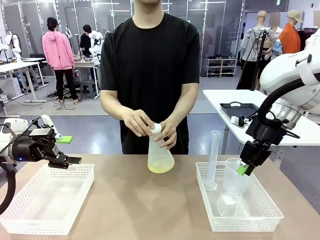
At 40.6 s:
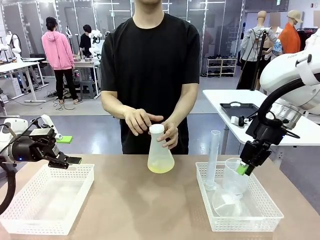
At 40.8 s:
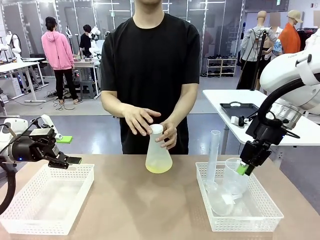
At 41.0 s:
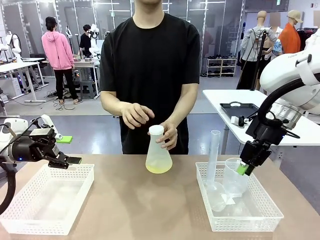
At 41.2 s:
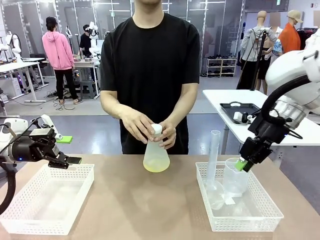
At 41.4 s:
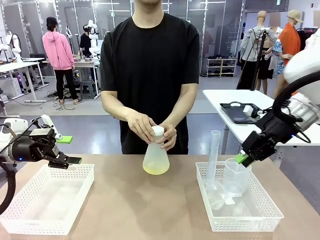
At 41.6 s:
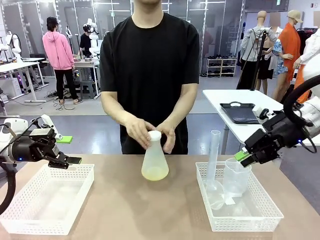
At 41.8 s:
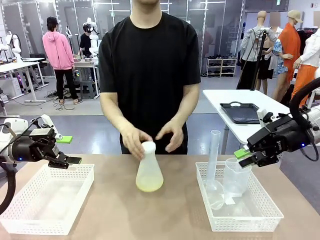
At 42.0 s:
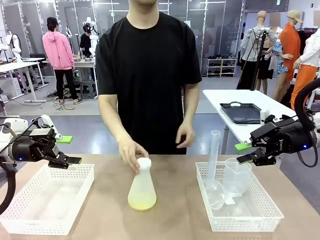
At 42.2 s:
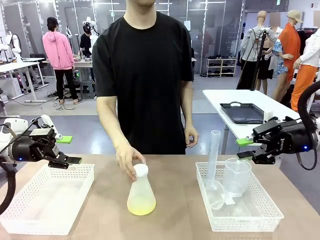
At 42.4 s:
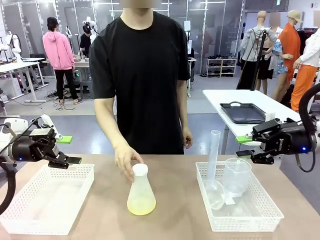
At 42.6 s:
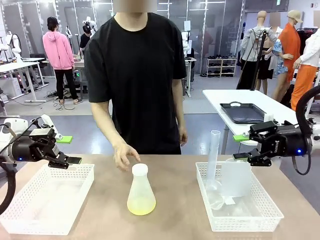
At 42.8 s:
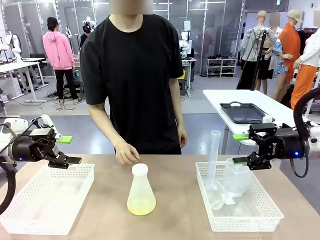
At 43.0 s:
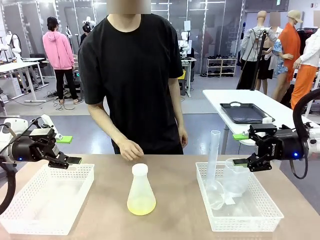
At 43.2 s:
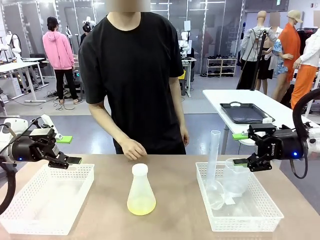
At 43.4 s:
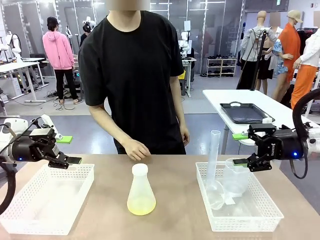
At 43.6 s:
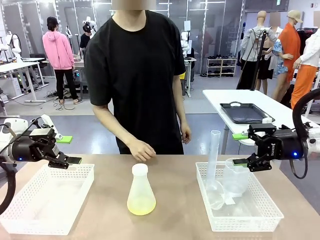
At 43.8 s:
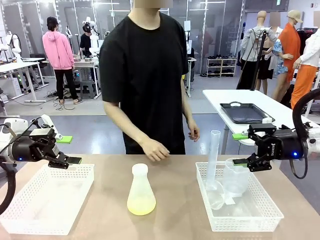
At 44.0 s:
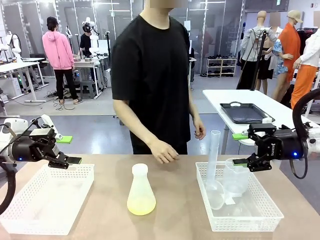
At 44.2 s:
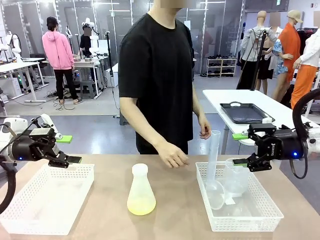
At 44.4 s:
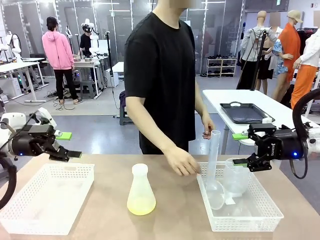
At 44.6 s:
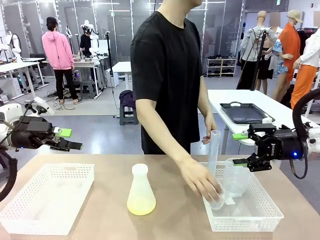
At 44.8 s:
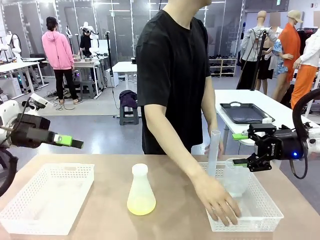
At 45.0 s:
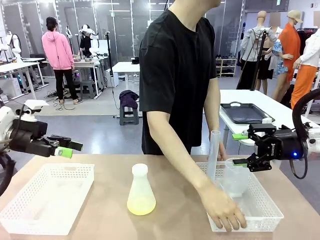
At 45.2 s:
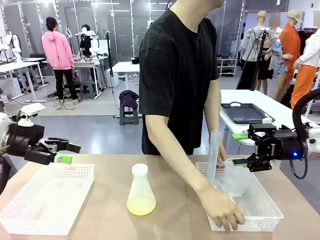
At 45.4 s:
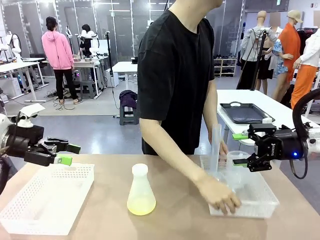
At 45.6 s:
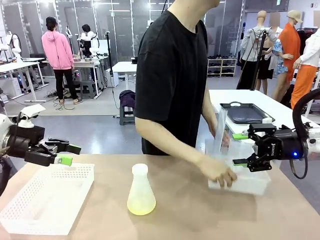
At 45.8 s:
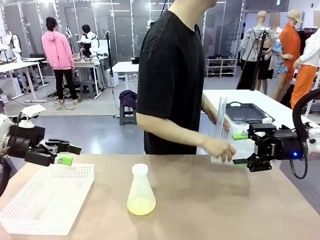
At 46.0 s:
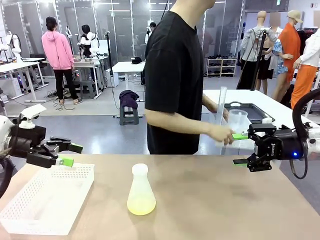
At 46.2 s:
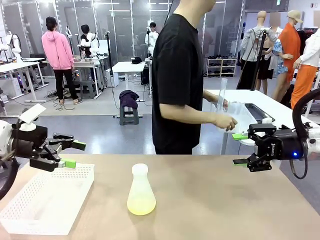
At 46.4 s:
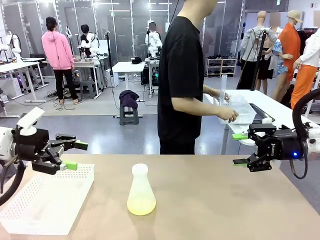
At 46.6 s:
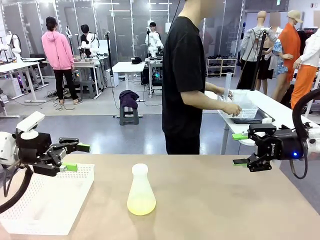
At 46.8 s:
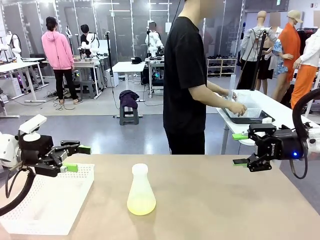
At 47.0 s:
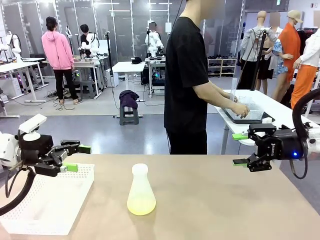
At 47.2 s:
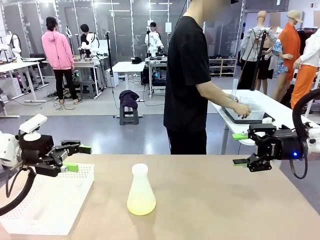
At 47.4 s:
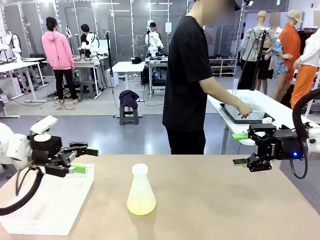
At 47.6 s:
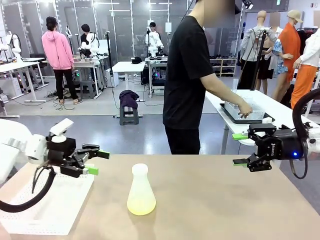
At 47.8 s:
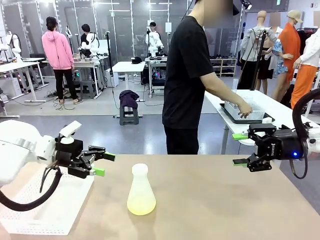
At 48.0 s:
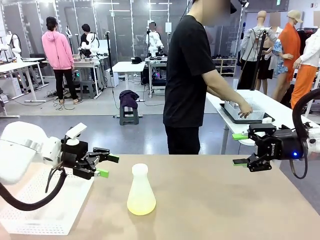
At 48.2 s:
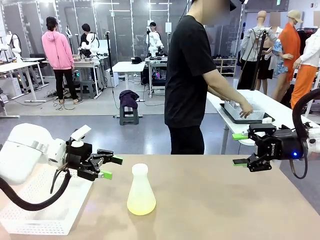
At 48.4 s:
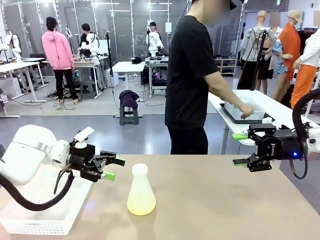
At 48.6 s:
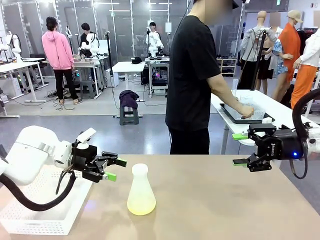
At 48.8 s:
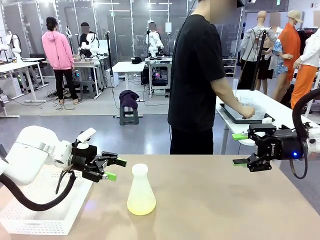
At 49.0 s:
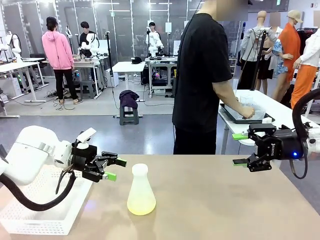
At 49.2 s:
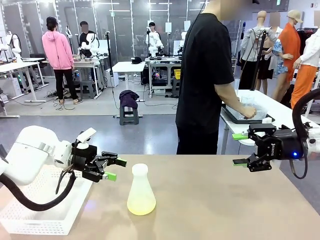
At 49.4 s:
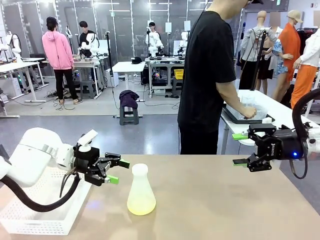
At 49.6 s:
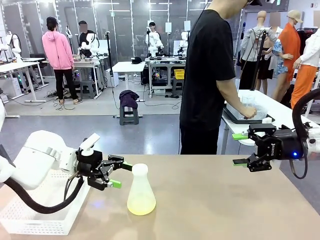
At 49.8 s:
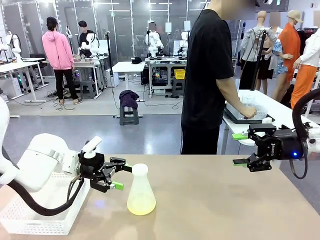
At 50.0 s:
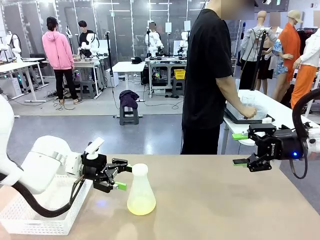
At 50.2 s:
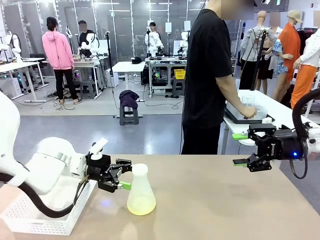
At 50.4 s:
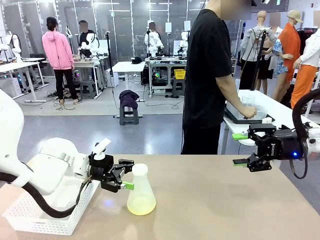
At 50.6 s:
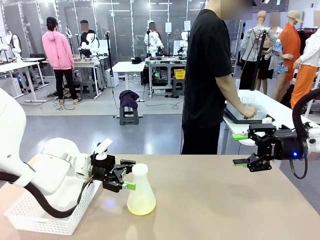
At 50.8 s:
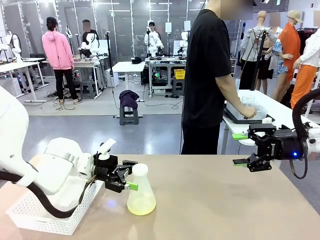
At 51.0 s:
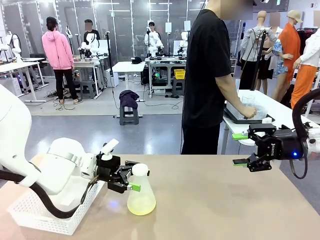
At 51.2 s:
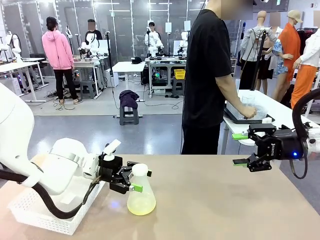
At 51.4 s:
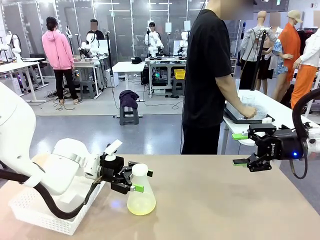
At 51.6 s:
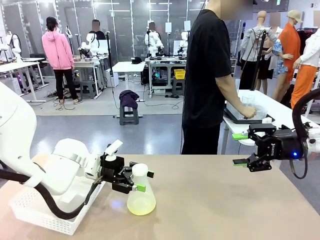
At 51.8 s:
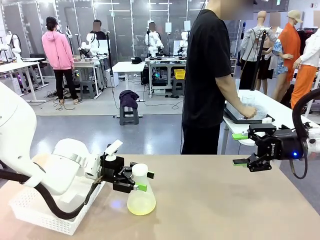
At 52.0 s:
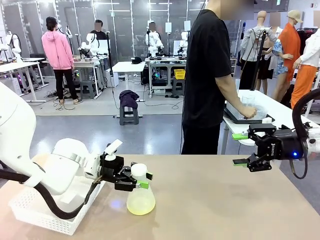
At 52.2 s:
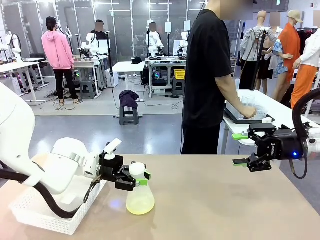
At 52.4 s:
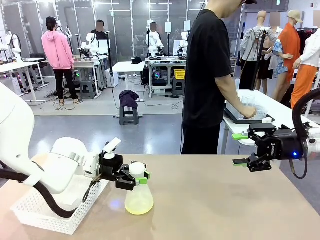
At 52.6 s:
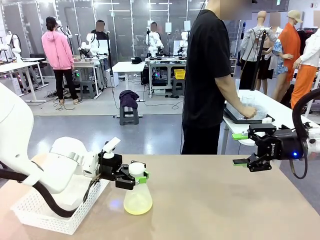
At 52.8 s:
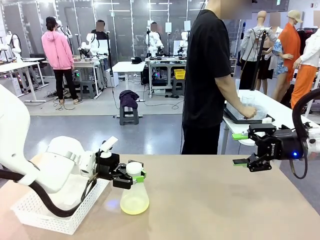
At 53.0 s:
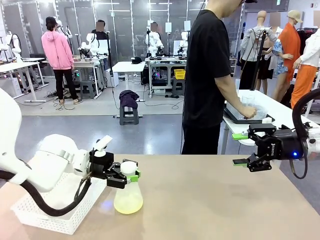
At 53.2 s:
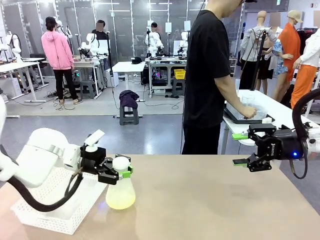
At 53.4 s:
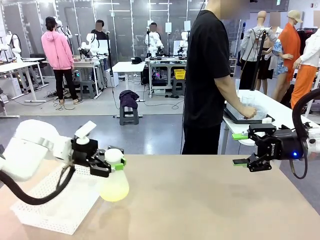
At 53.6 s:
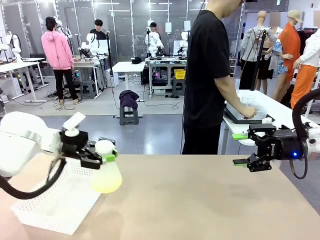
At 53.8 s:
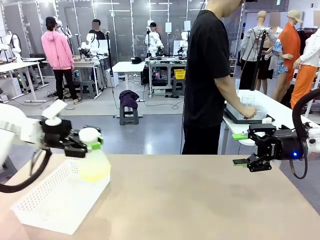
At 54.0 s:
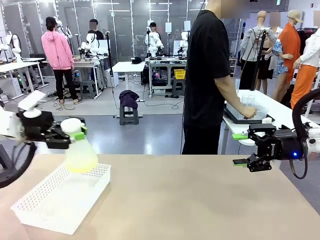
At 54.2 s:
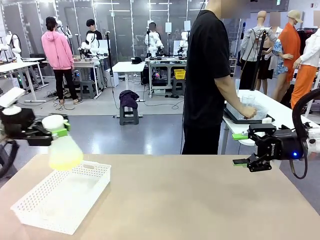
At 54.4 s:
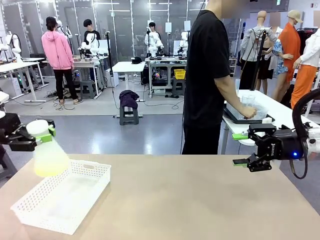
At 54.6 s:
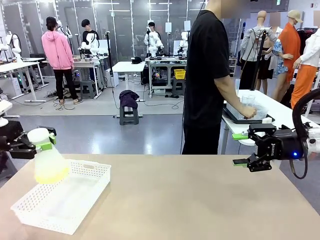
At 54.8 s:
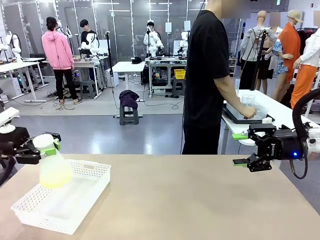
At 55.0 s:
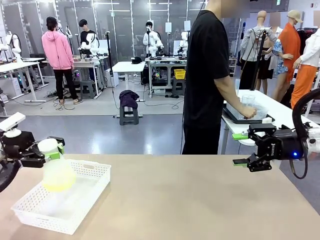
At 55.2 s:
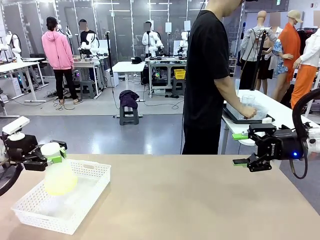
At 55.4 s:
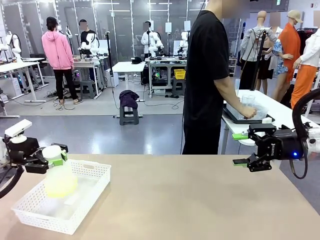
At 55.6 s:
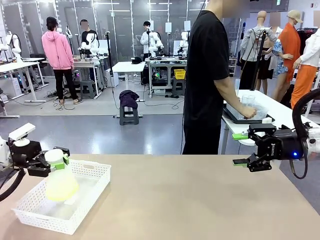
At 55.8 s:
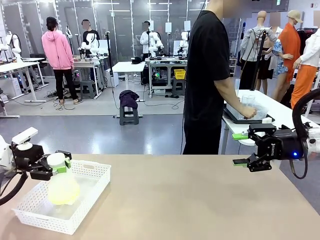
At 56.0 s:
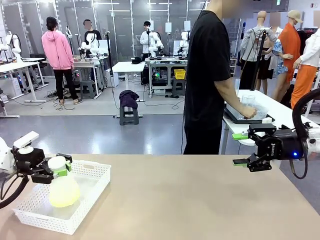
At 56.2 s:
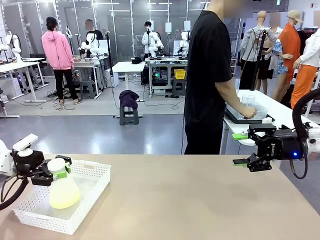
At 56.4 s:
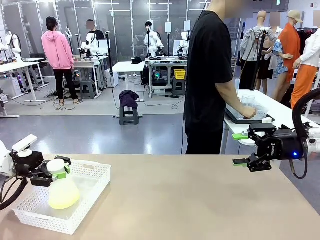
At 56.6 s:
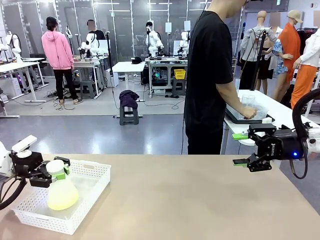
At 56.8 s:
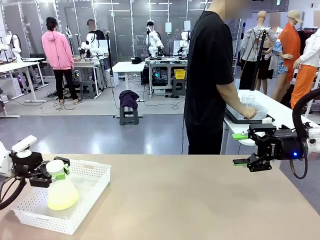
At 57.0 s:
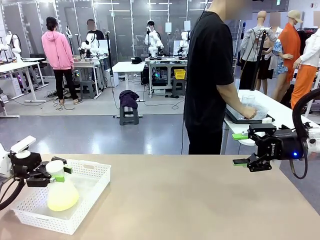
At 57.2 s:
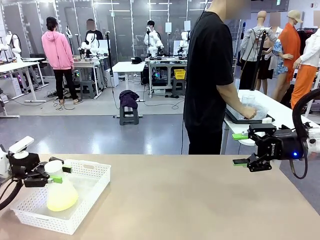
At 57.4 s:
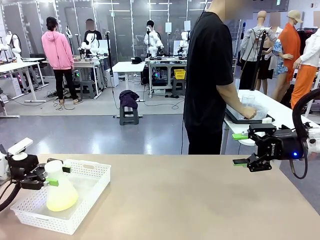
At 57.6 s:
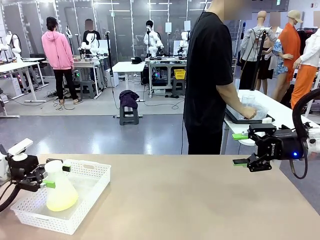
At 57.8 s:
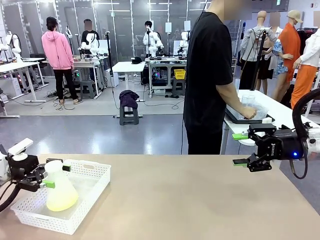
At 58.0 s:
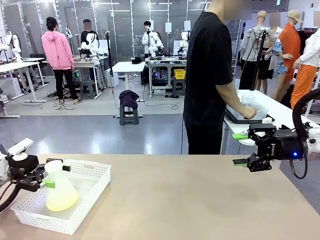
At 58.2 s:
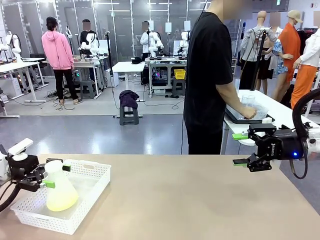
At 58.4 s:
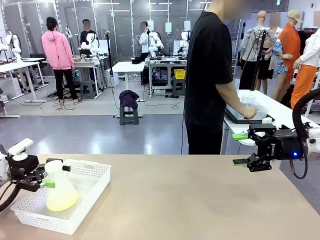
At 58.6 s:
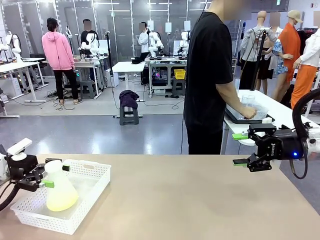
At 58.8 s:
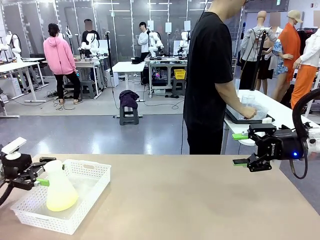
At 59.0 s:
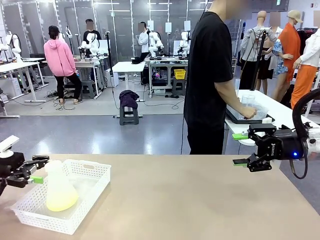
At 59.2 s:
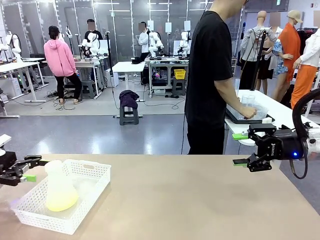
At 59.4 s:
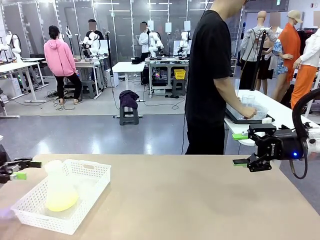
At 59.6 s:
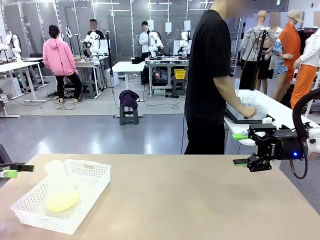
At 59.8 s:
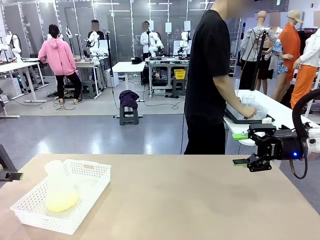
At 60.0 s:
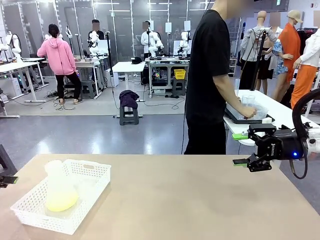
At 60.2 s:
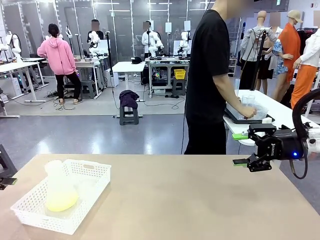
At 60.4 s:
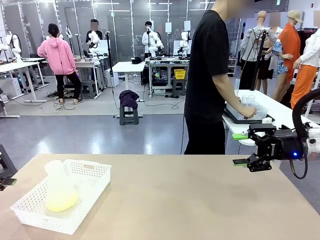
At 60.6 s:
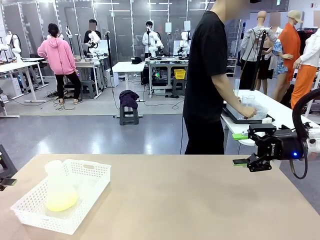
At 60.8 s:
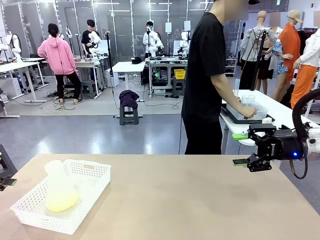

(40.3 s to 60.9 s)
Task: Prepare the solutions needed for the experiment.
Robot: When the human places the Big flask in the center of the table, pick up the Big flask and place it in the left Organizing basket.
Person: Pick up the organizing basket on the left side of the robot table and place it on the left side of the human table.
